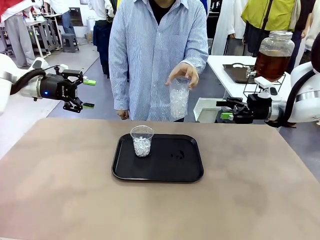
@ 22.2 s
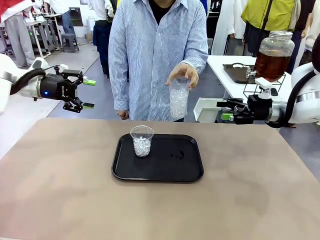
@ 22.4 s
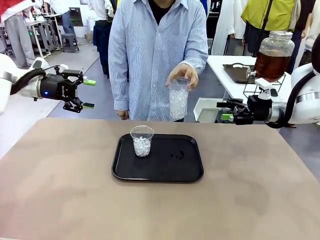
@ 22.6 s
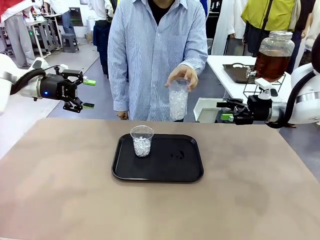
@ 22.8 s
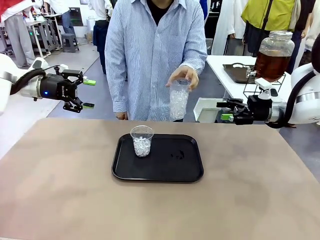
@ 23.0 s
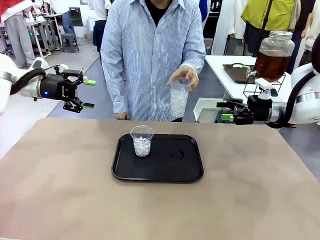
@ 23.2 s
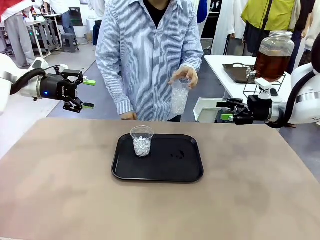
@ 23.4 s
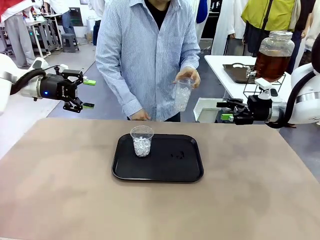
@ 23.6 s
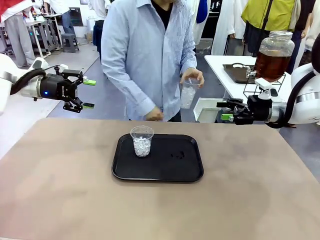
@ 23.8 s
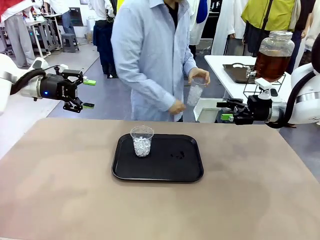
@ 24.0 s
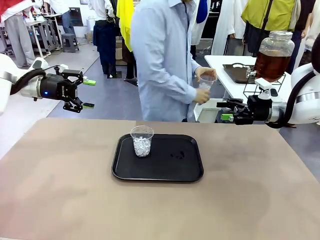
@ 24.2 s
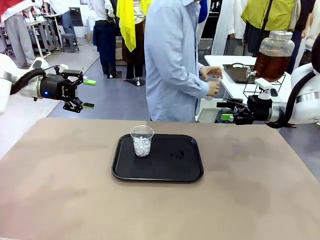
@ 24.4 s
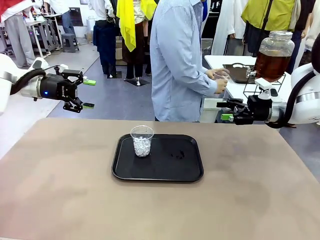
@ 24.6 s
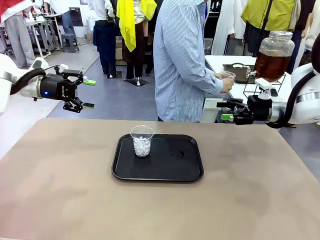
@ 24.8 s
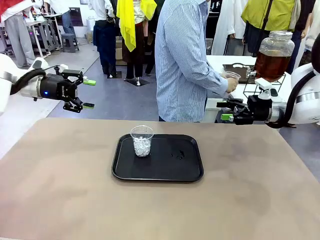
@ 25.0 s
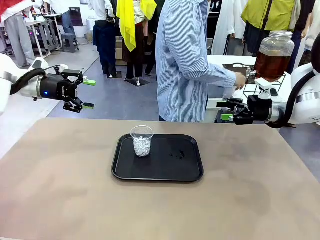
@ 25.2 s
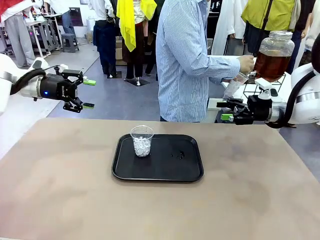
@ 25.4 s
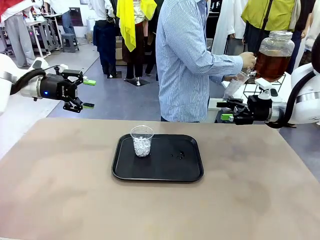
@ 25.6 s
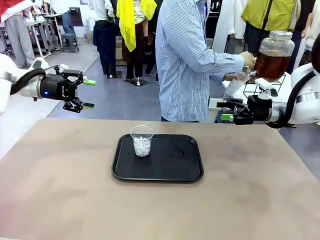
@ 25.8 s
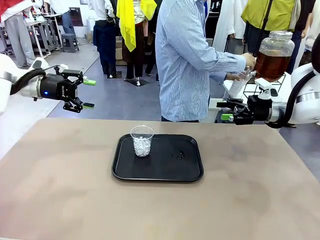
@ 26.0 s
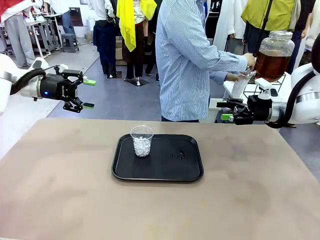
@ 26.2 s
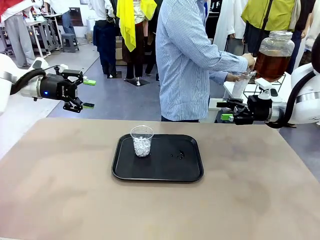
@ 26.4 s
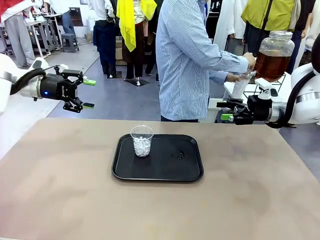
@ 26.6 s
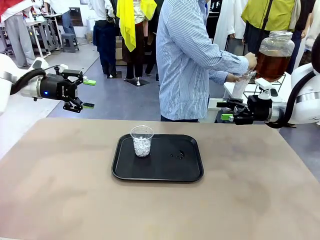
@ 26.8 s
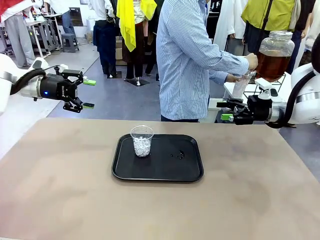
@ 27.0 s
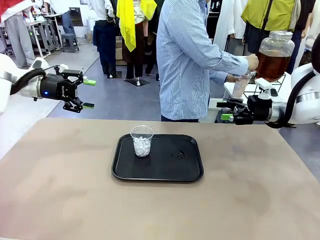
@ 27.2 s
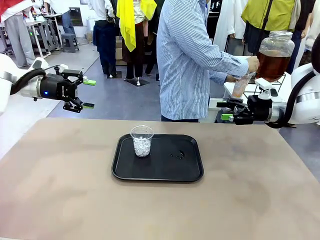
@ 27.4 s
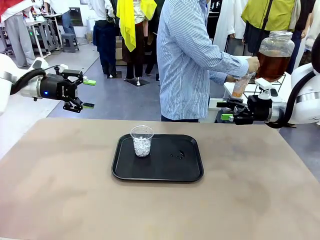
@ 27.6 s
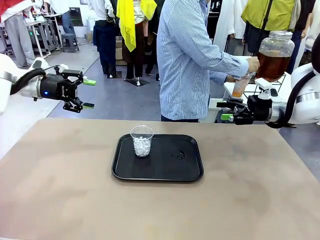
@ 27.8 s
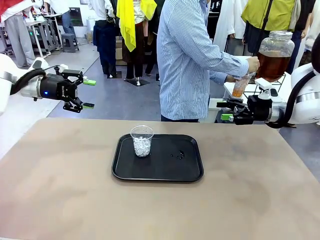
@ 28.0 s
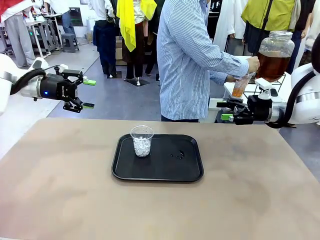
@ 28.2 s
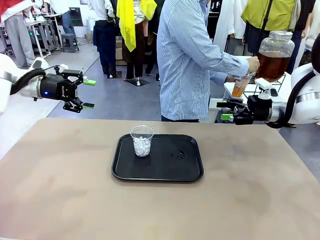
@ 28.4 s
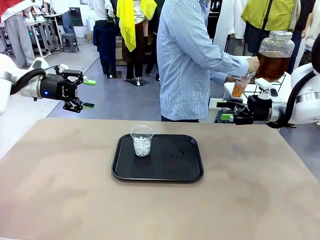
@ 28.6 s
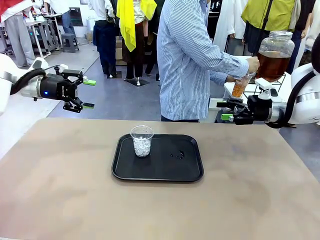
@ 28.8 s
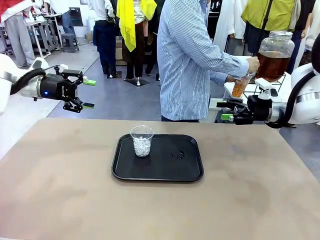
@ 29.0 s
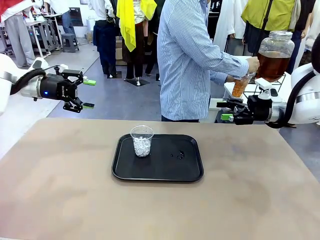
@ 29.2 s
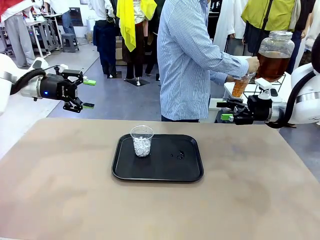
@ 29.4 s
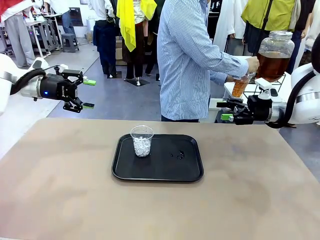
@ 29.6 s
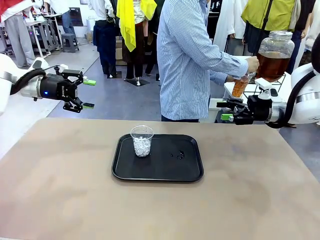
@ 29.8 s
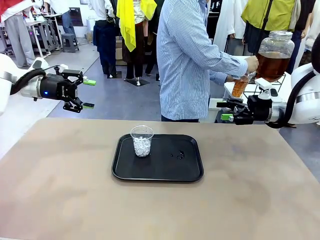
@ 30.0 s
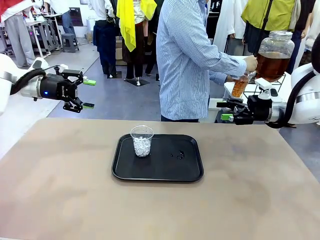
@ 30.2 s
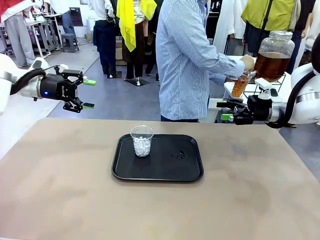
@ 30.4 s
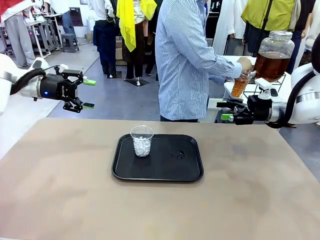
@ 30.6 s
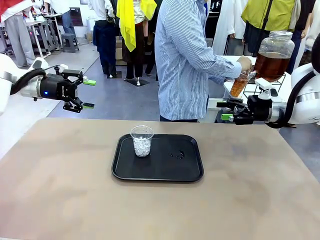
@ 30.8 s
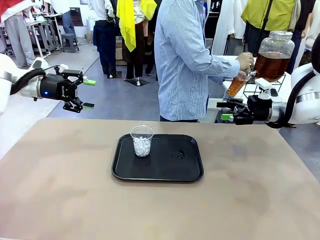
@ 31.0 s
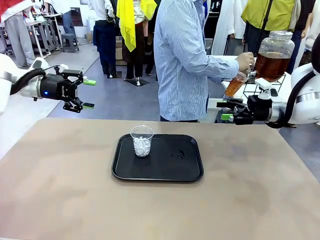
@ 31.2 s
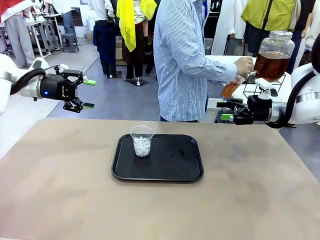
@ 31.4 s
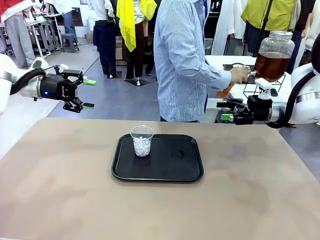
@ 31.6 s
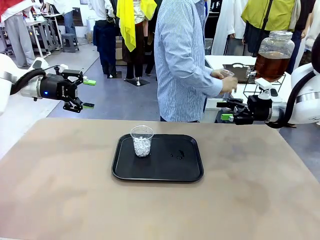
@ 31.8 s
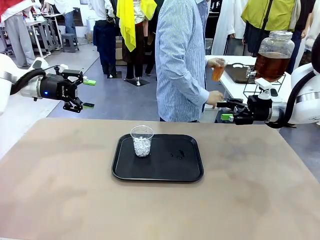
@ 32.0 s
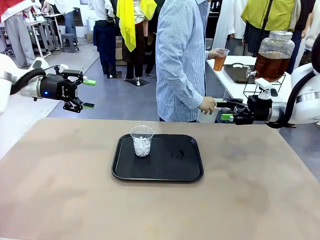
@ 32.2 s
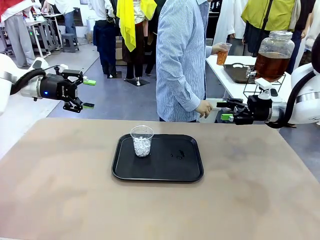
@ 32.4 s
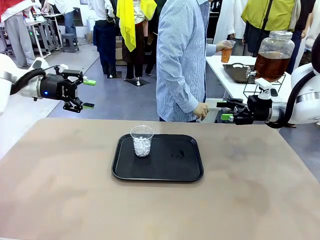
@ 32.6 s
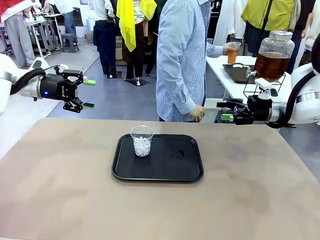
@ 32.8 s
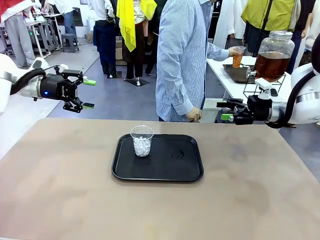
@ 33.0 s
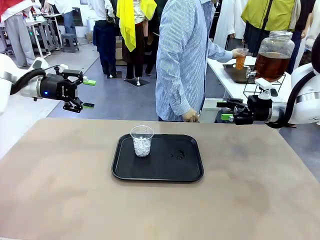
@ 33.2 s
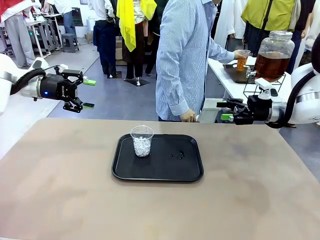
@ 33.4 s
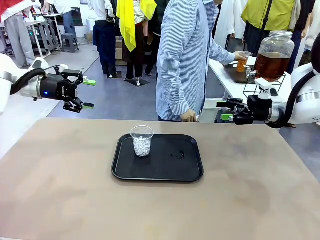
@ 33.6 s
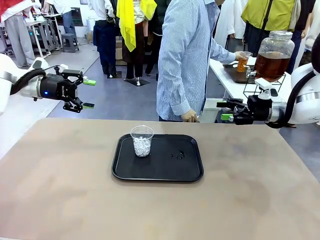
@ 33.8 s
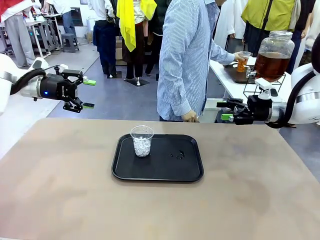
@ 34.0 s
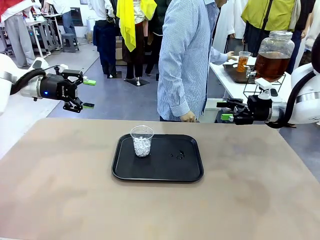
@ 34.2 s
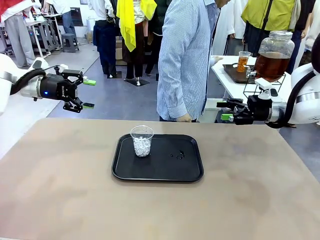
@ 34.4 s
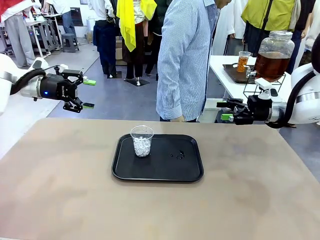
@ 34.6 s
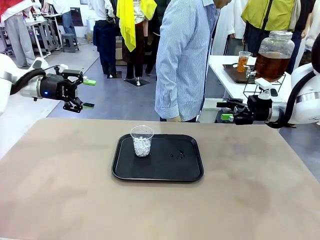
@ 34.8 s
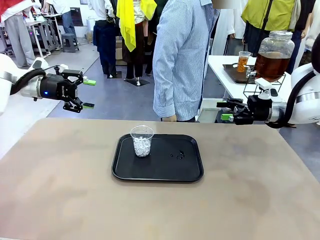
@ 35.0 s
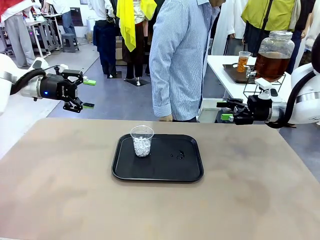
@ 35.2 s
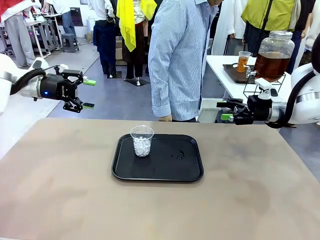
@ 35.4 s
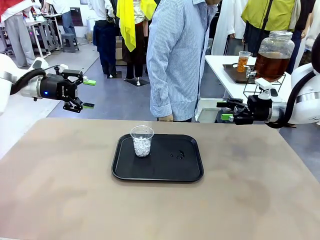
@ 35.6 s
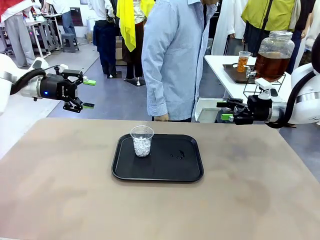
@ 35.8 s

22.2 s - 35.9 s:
Task: Pour the drink into the iced cup.
Robot: Pick up the iced cup indicated by the human and present it to them.
Person: Move the picked-up cup under the dispenser faucet, pour the drink, and place it on the tray on the human table.
